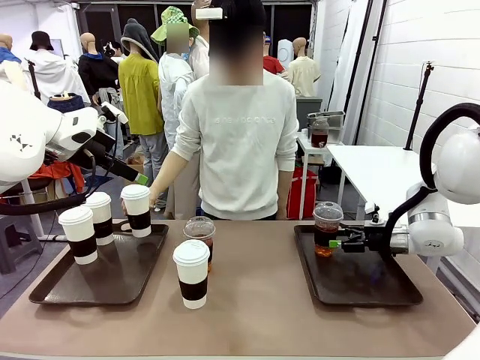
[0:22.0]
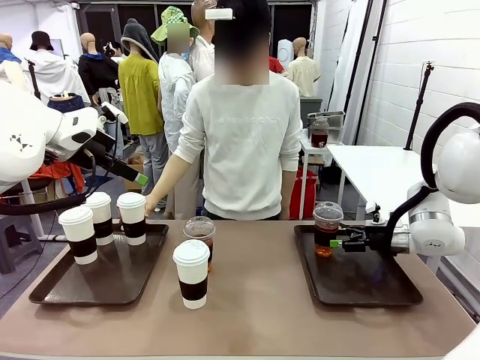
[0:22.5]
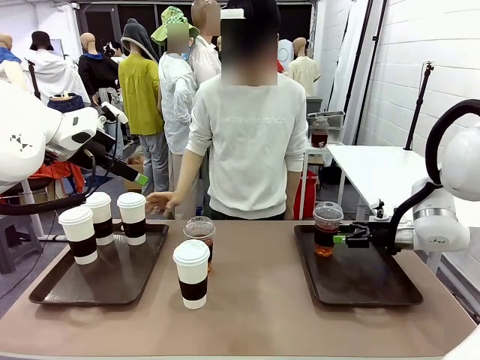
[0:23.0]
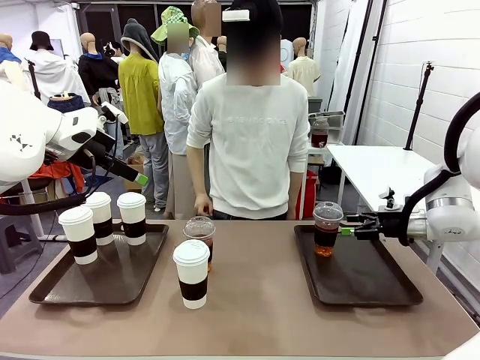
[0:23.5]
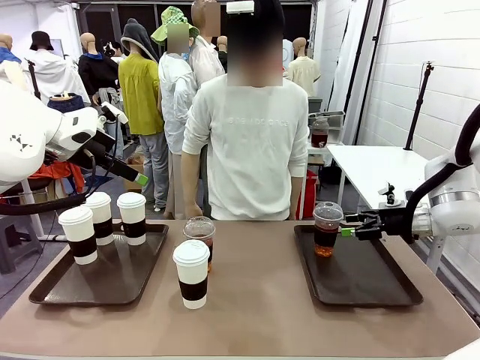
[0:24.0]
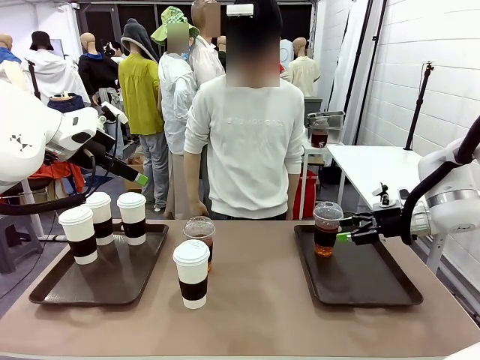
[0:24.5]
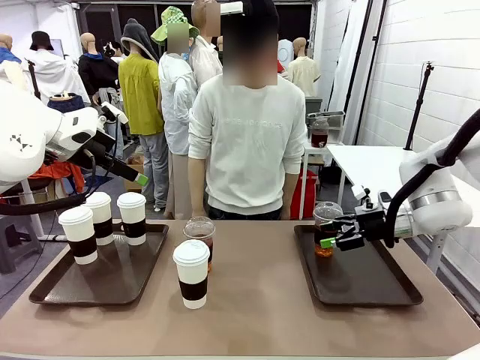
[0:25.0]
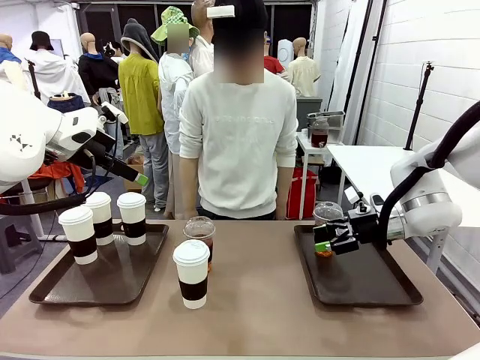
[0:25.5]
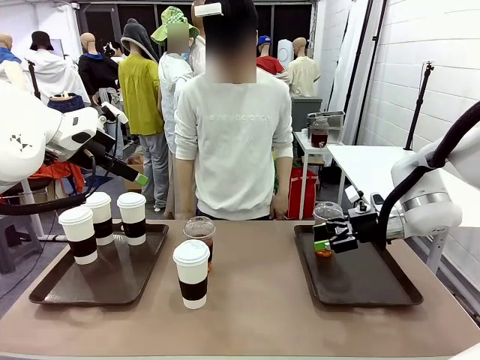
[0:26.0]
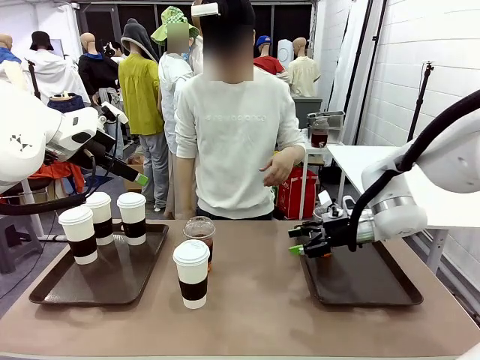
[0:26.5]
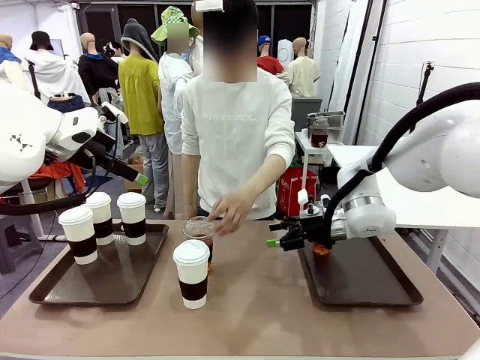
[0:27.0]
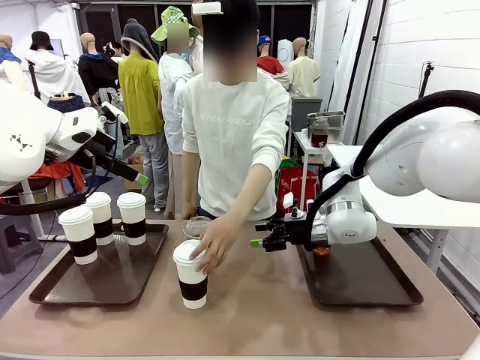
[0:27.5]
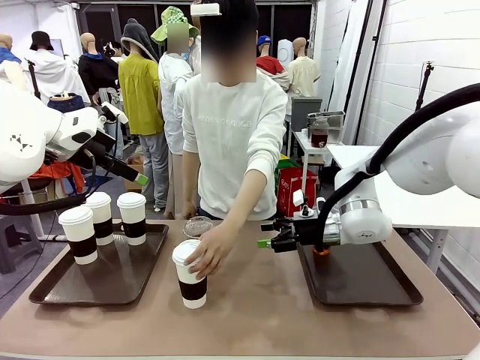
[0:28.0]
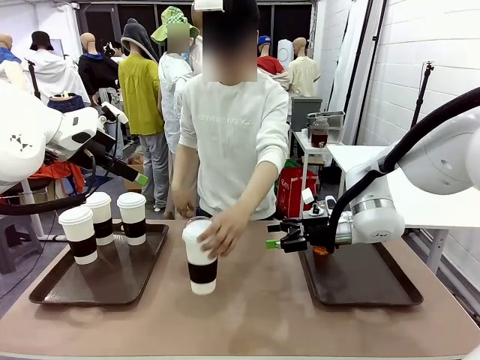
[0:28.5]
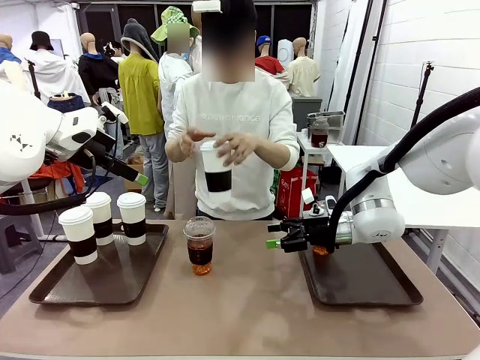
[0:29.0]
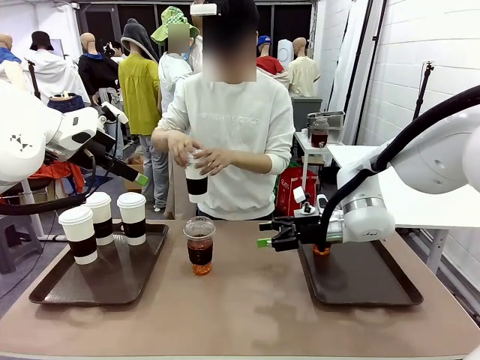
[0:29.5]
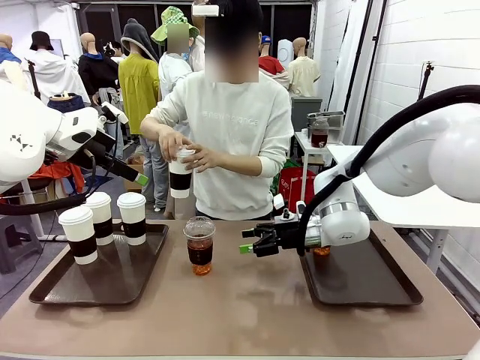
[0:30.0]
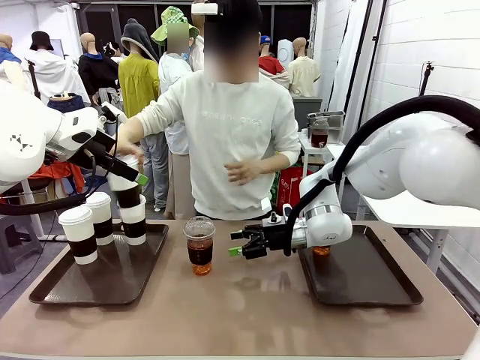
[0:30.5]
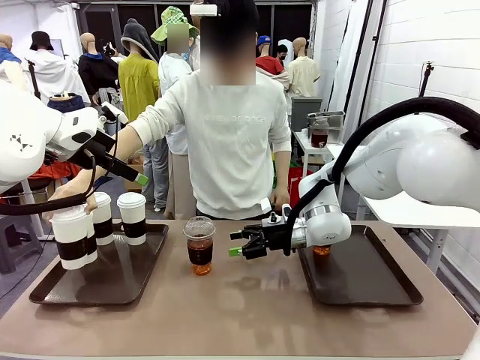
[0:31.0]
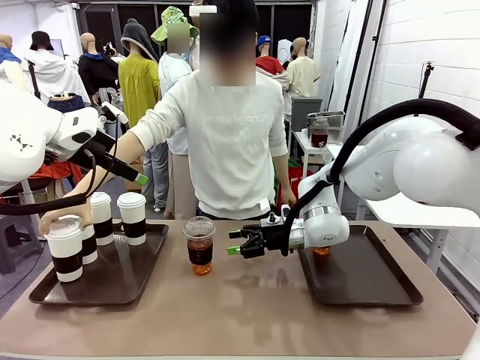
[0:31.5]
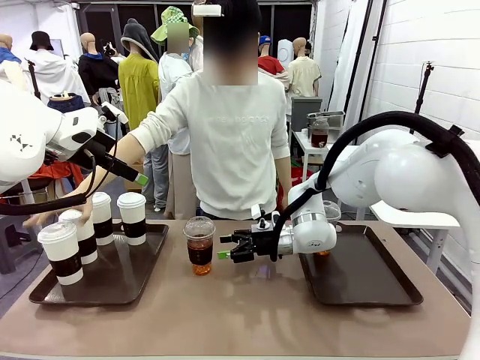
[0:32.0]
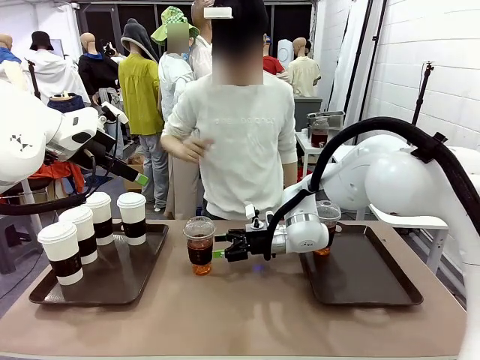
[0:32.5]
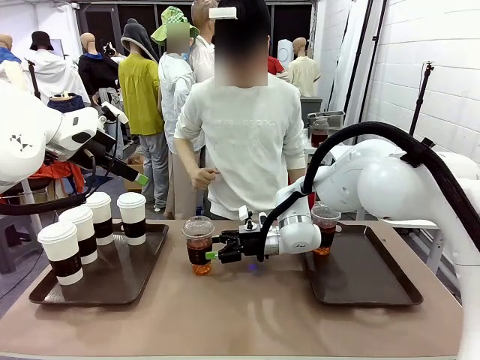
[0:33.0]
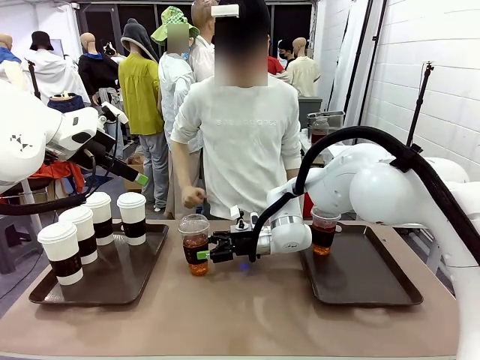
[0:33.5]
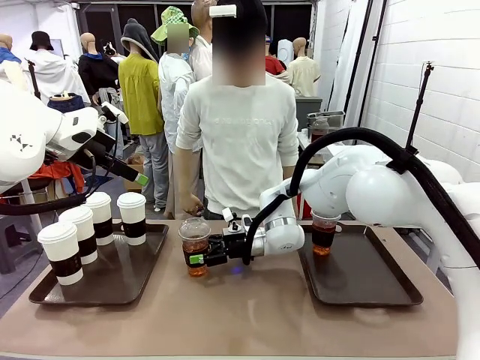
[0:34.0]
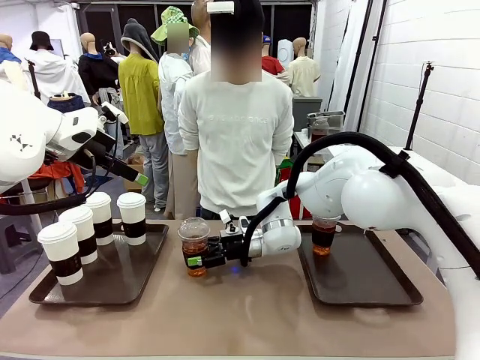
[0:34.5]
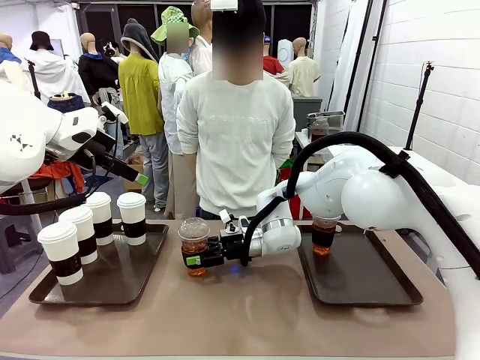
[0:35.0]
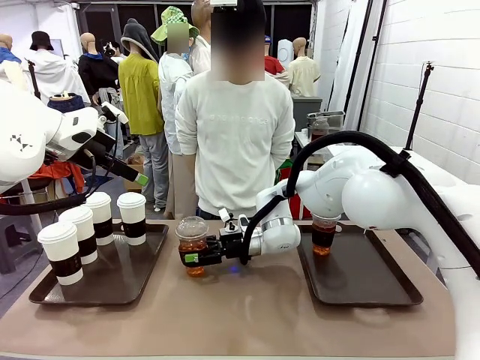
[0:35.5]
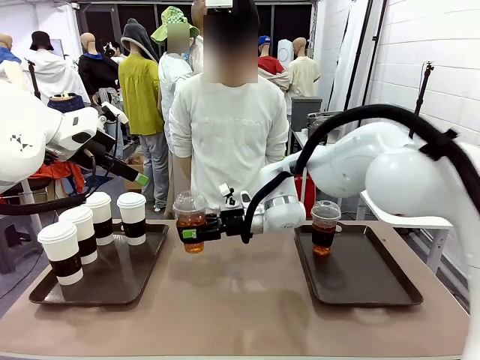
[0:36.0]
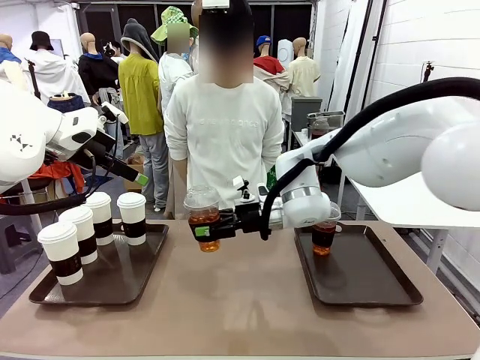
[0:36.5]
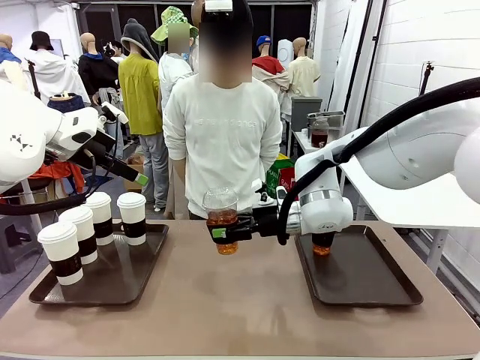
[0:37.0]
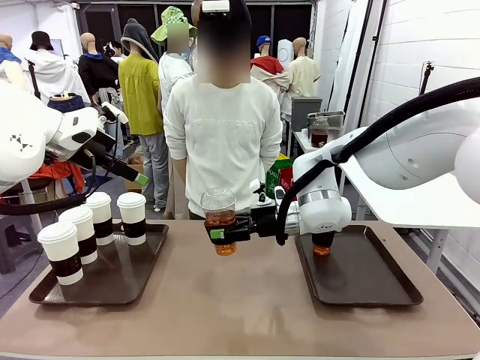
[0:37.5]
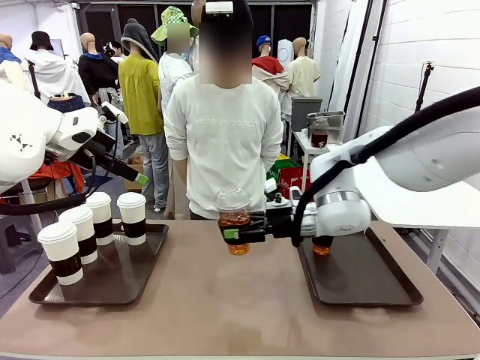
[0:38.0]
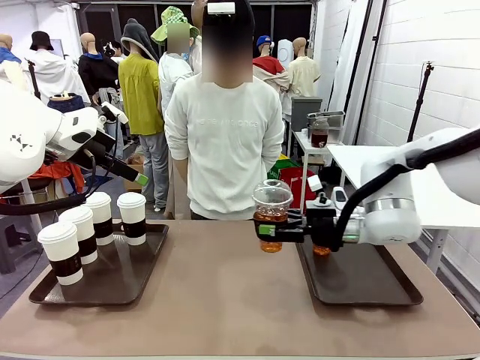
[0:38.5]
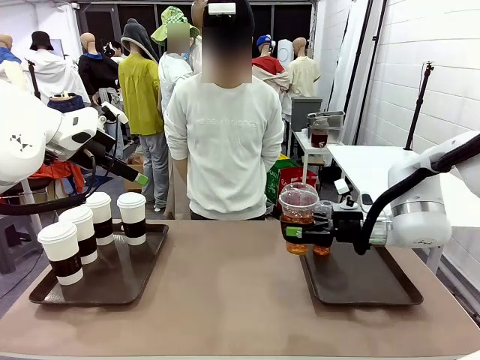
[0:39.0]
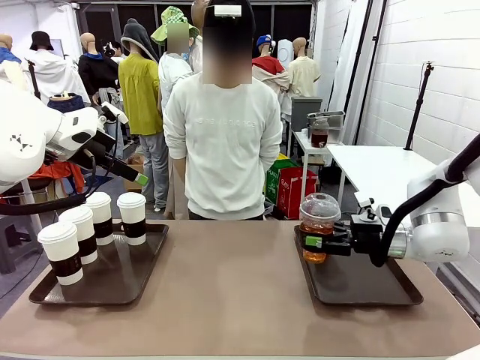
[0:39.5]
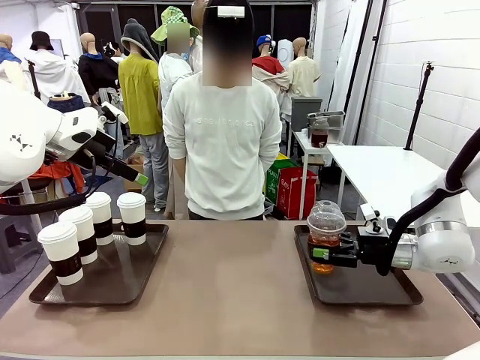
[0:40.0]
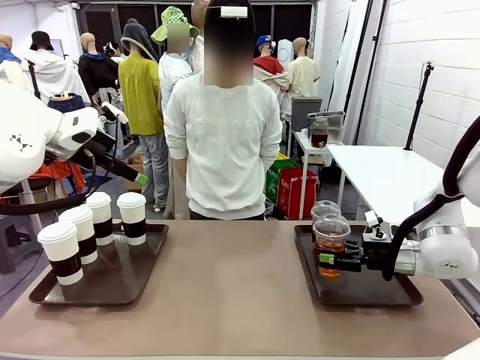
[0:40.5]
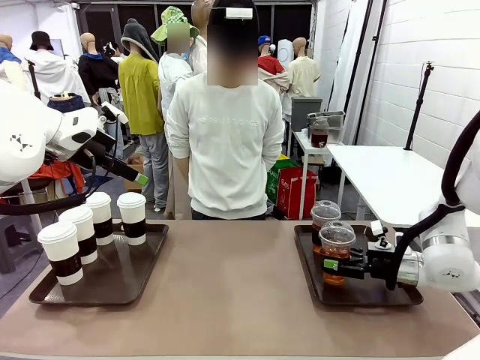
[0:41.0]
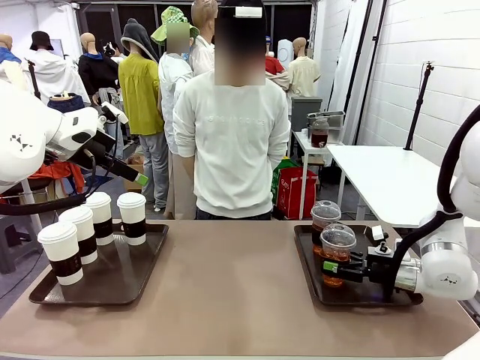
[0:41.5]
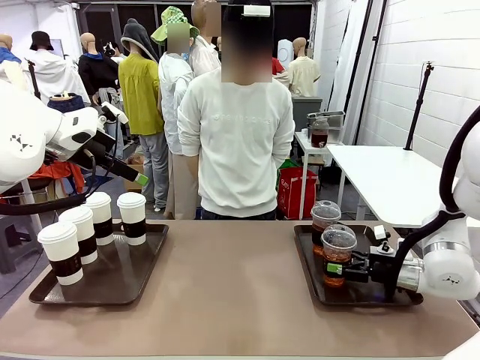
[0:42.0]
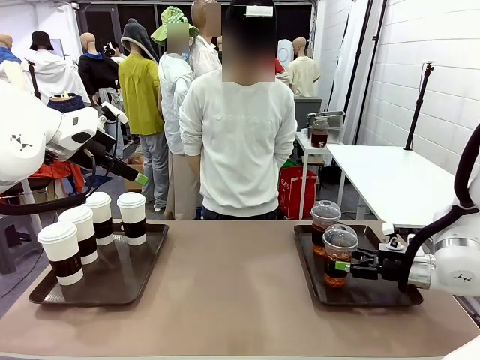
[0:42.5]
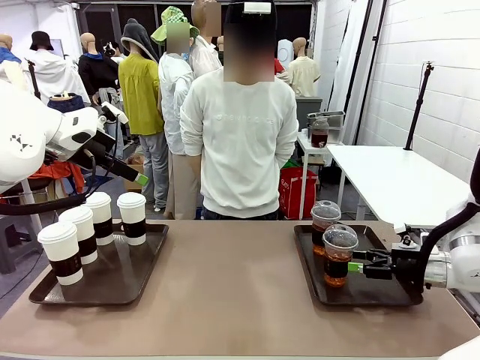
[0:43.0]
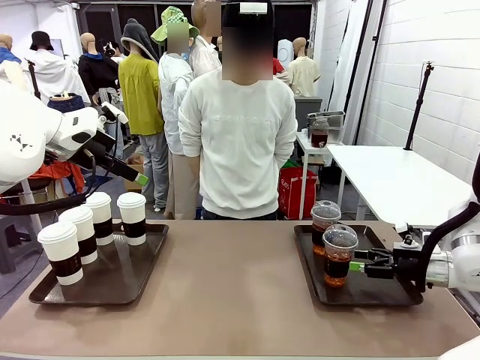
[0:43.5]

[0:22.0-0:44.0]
Task: Distribute the coffee onto the tray.
Robot: Pick up another iced Americano from the middle of the table and place it on the right Handle tray.
Person: Pick up a cup of hot Americano from the middle of the table and place it on the right tray.

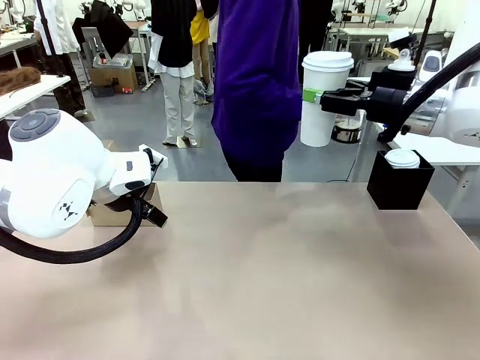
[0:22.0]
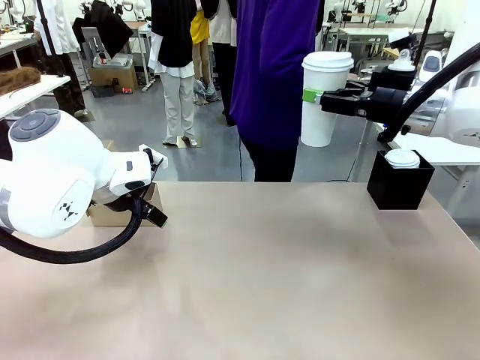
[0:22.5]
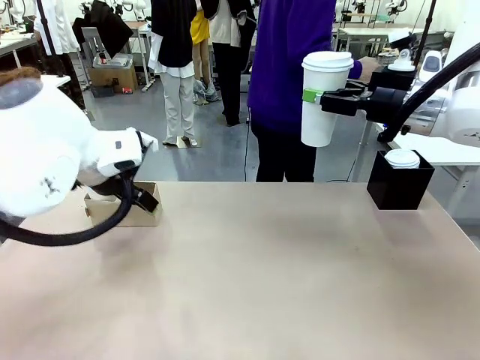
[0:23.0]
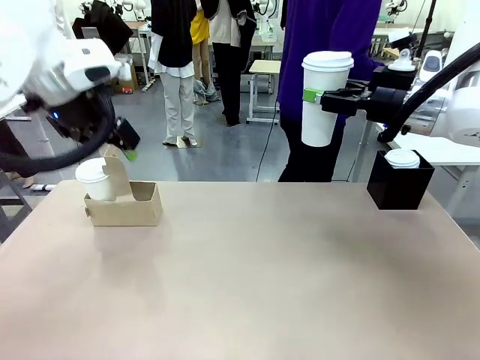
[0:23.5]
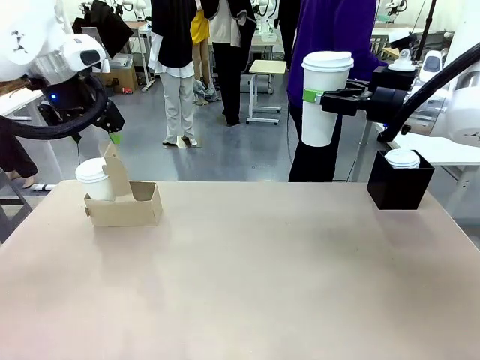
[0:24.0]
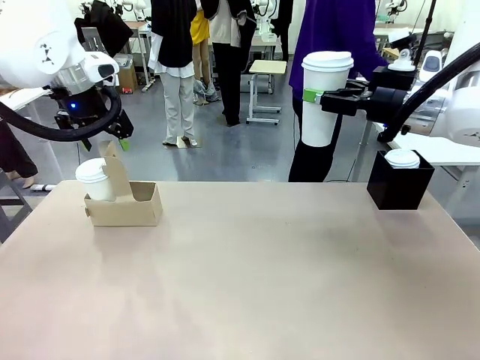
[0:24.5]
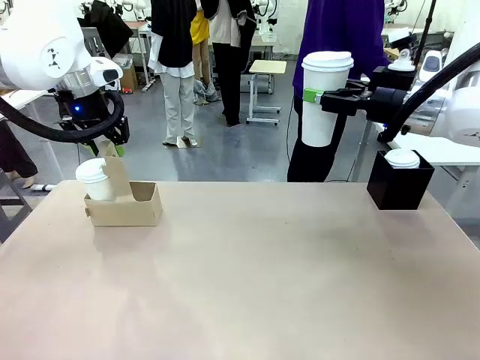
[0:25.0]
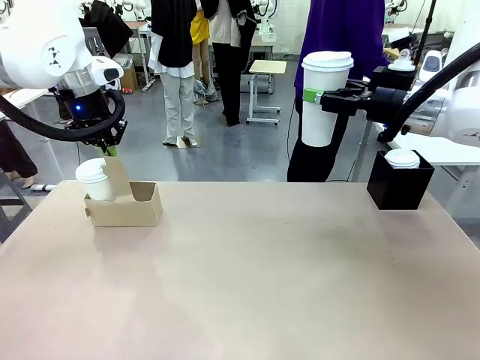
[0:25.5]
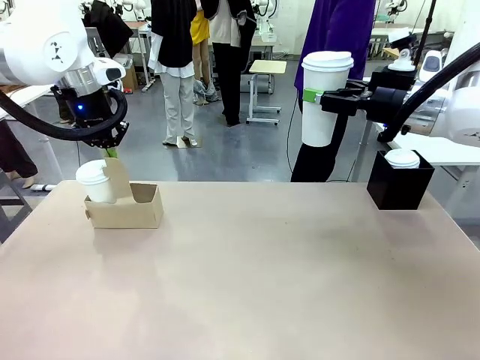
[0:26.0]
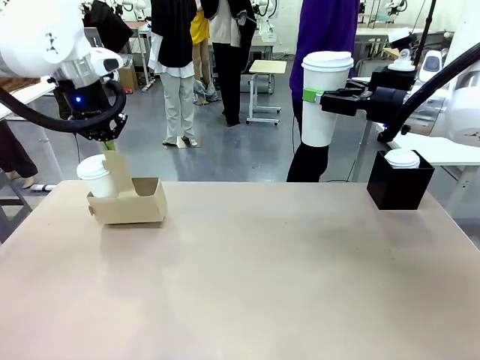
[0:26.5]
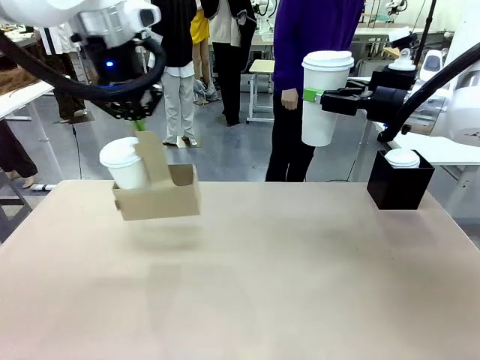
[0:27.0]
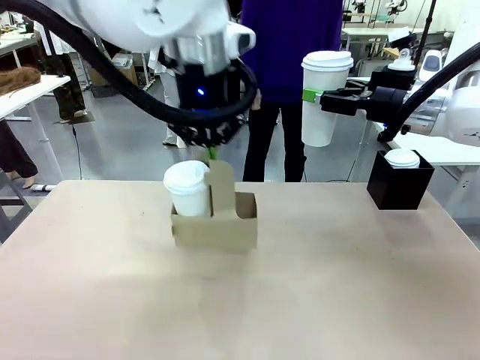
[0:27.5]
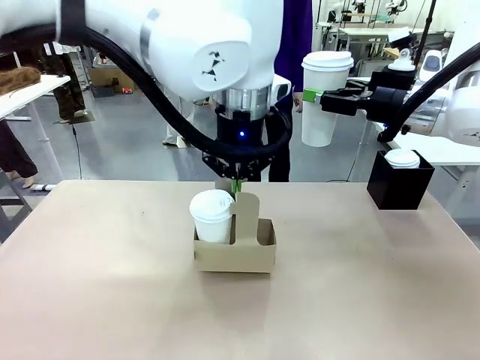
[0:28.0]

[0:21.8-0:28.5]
Task: Pour a drink into a cup and package it in a carrier.
Robot: Position the Cup Carrier in the center of the table.
Person: Pick up the Filter Brewing and place on the middle of Human table, and return to the Robot table.
